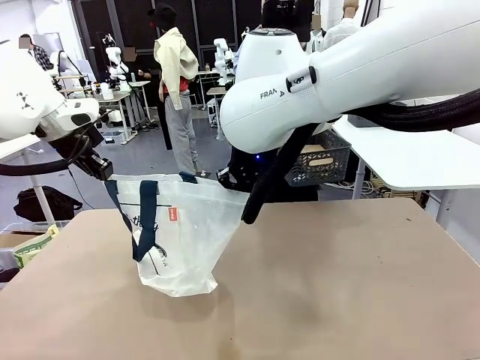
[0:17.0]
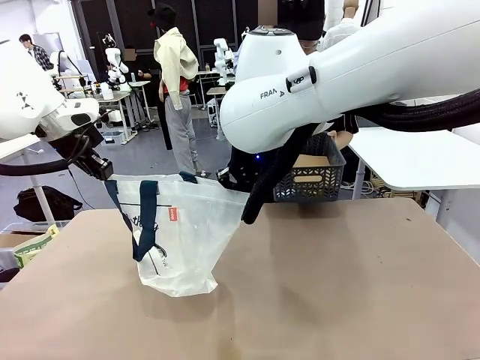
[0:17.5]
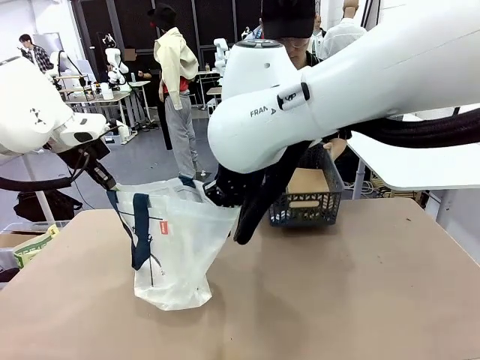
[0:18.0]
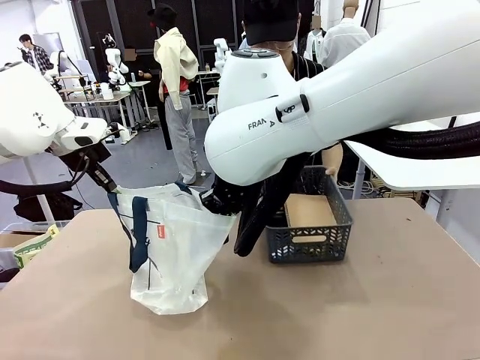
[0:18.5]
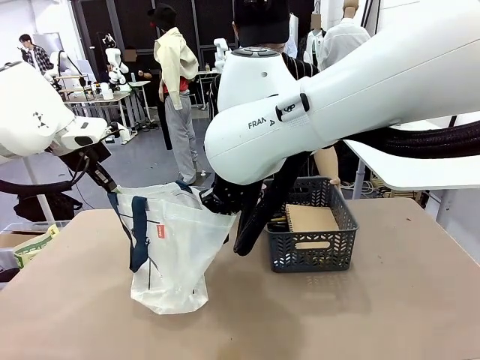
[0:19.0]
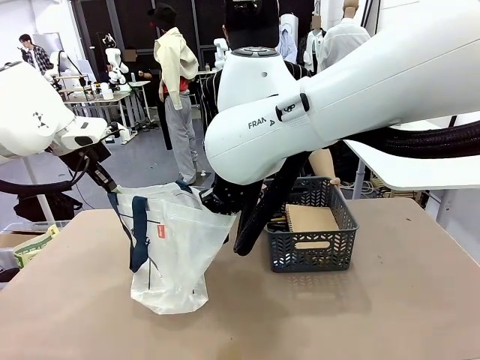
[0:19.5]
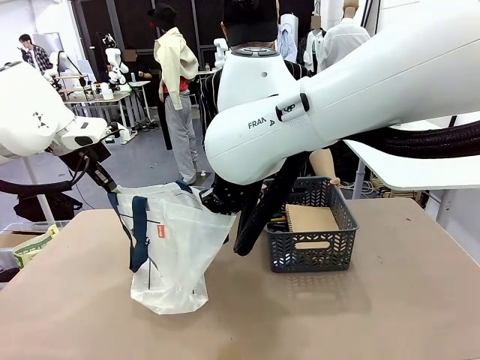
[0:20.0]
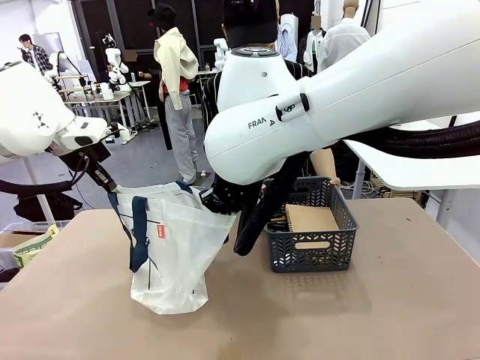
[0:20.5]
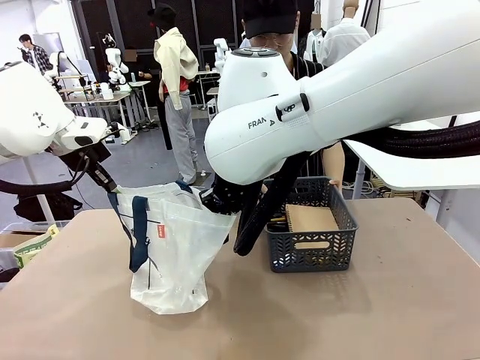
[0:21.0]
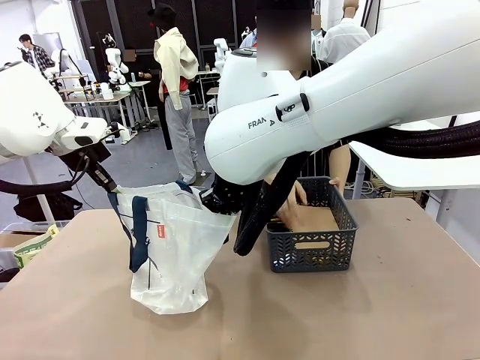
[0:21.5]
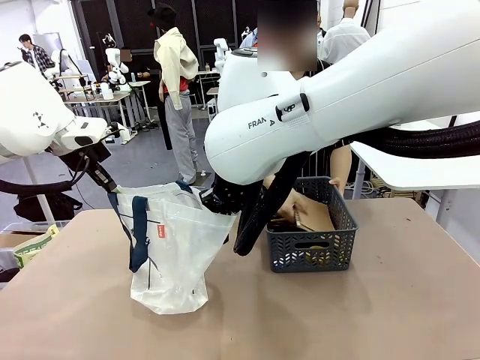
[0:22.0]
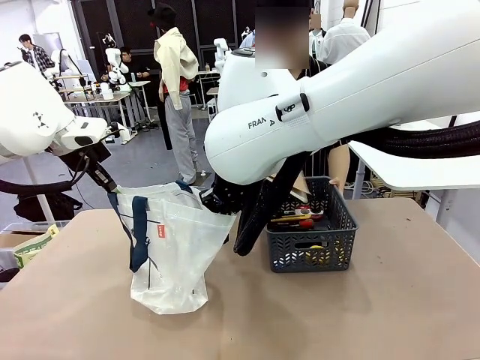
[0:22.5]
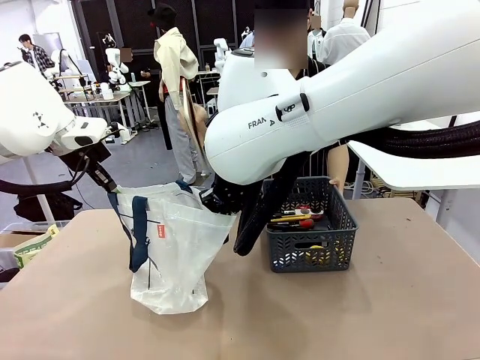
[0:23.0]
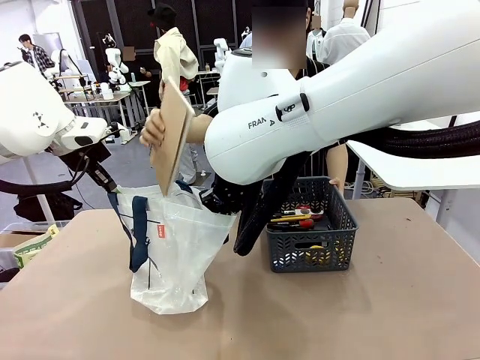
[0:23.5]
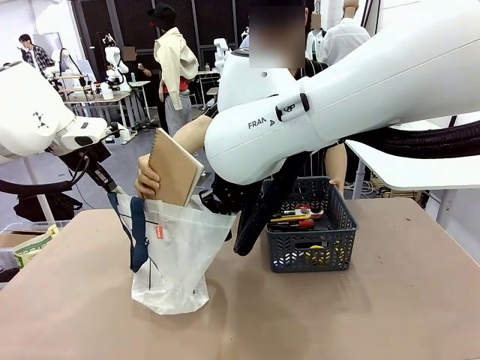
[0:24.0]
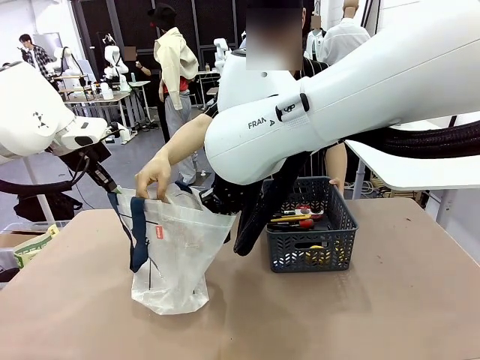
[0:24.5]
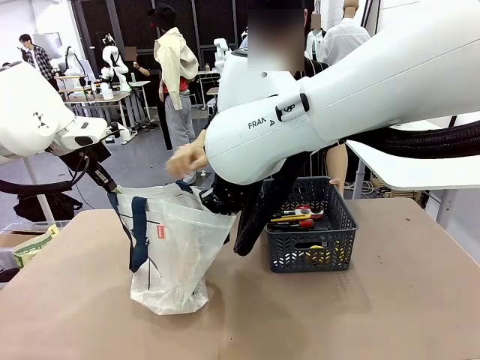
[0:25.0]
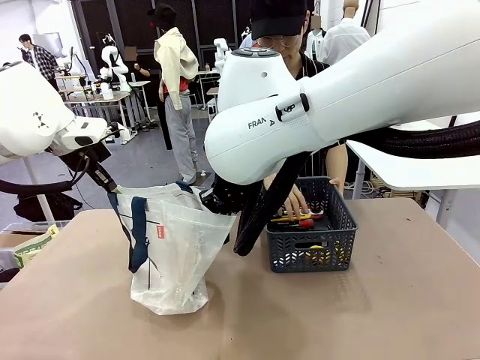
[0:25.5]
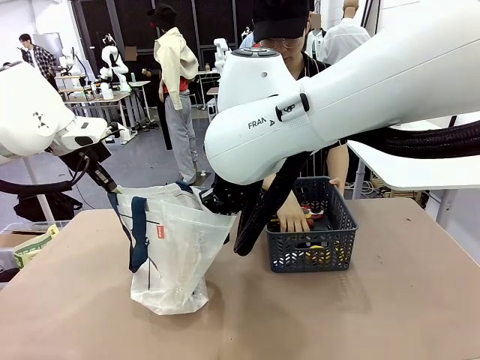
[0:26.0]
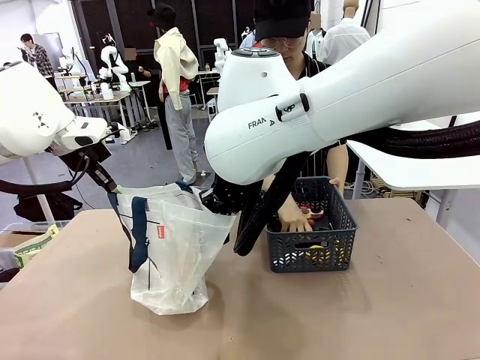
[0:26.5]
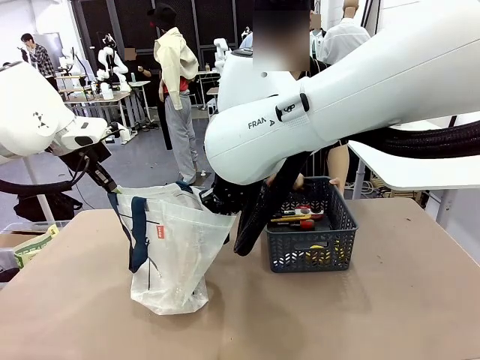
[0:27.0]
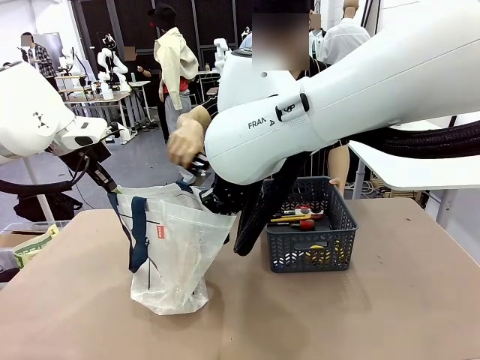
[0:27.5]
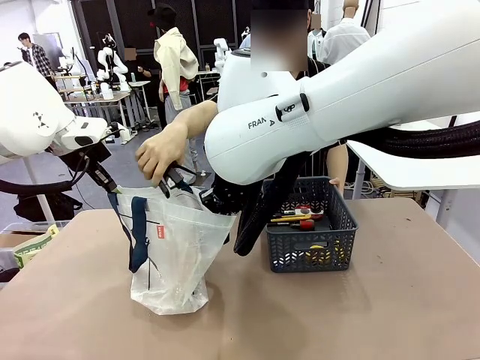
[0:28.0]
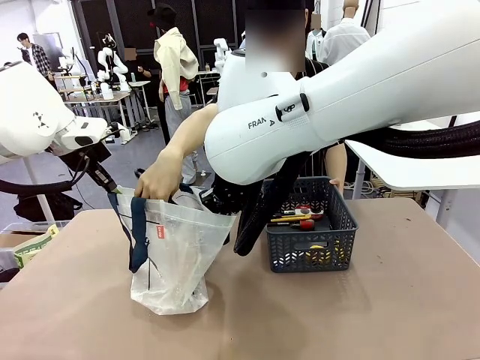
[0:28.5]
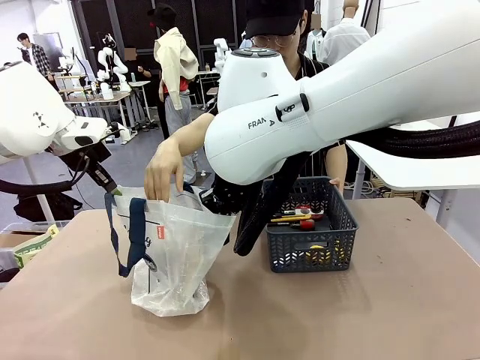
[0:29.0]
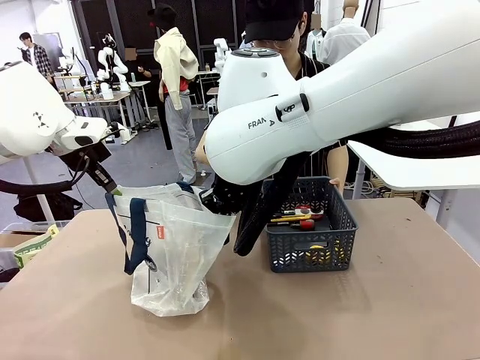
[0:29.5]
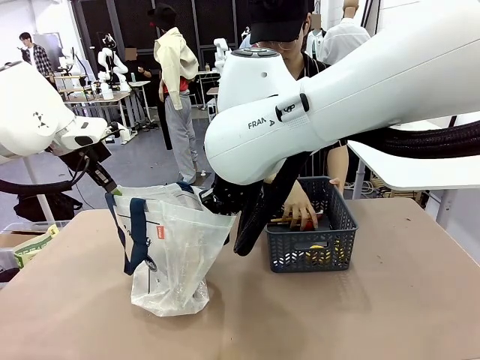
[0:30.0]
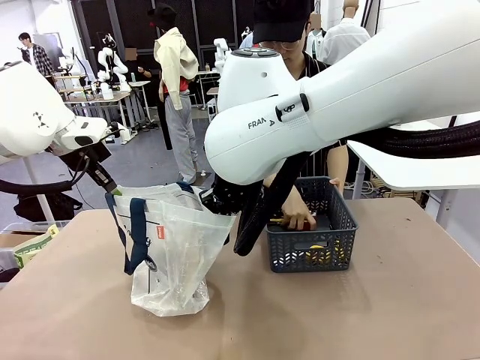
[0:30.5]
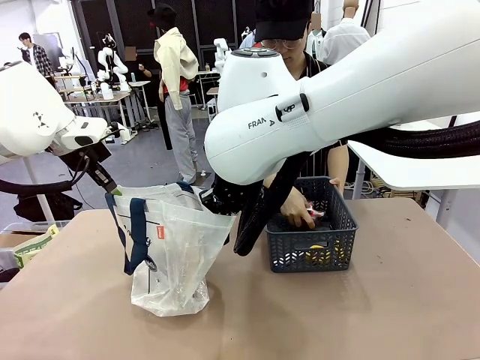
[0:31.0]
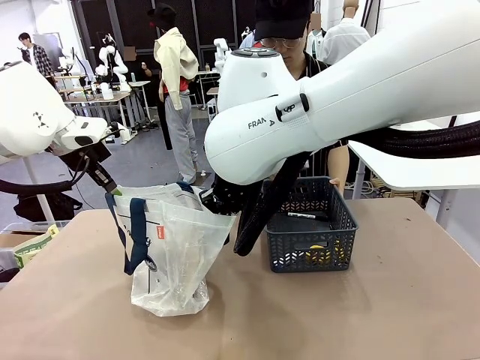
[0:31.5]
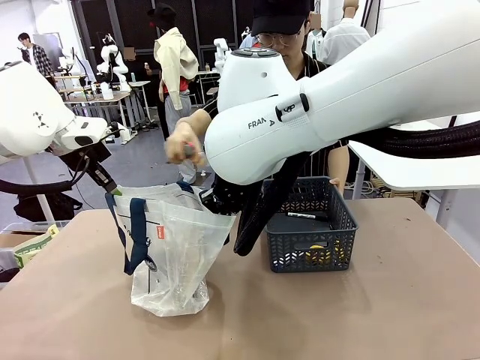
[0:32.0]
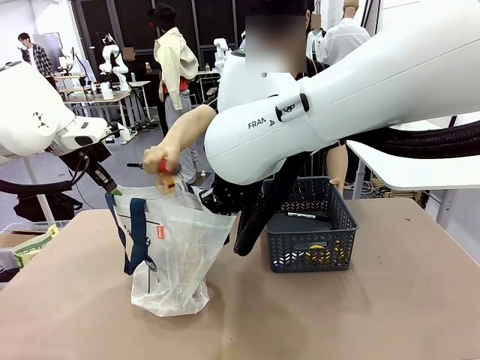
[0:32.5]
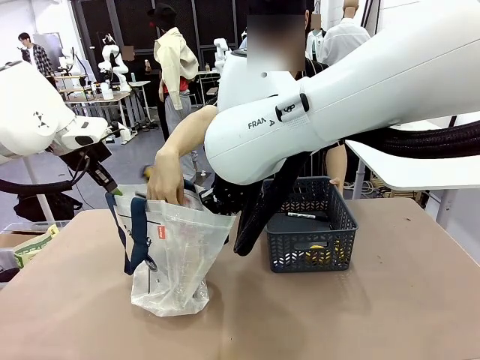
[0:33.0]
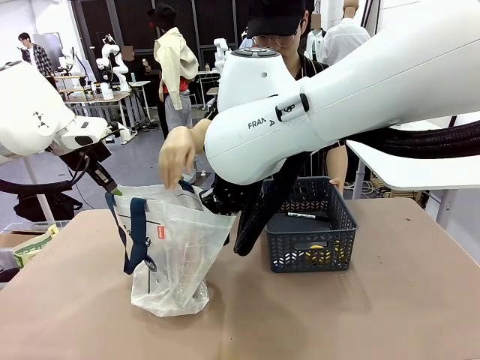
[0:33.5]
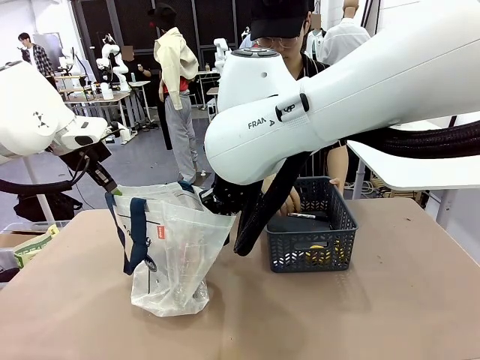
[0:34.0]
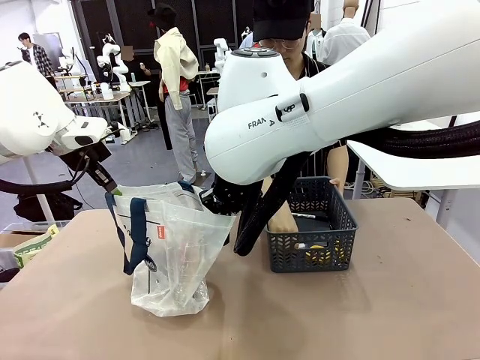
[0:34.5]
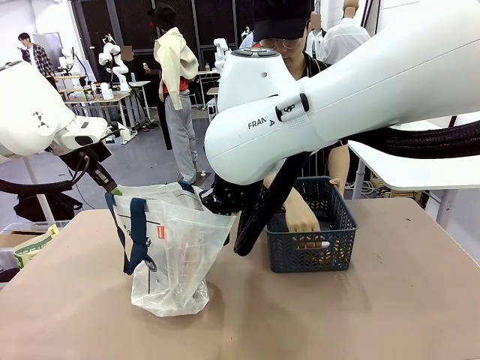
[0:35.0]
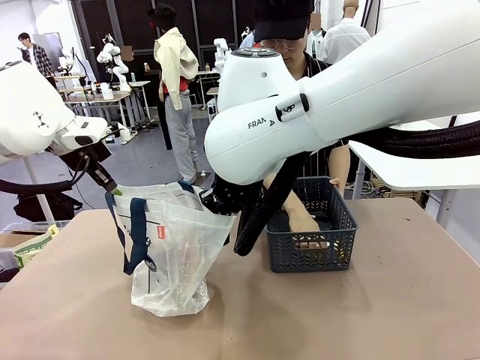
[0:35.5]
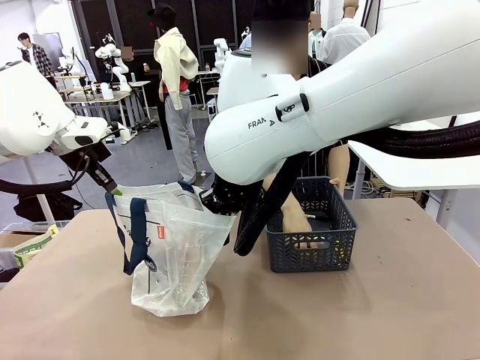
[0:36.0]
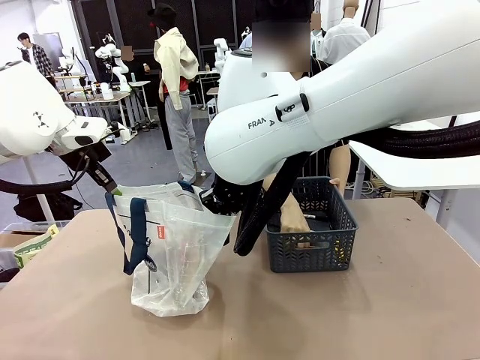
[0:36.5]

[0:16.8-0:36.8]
Task: Transfer purchased items from the store into the shopping bag.
Robot: Move the Reusable shopping bag to the right side of the table.
Person: Pick up the basket with the items out and place it on the right side of the human table.
